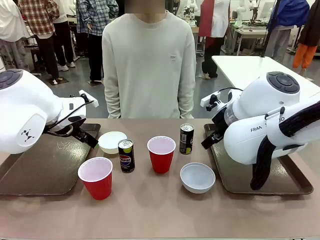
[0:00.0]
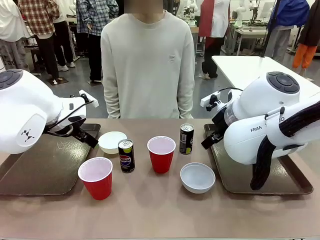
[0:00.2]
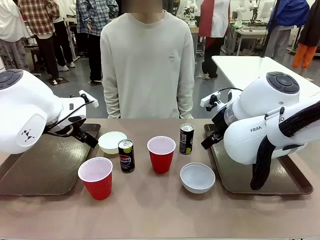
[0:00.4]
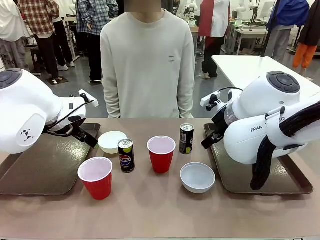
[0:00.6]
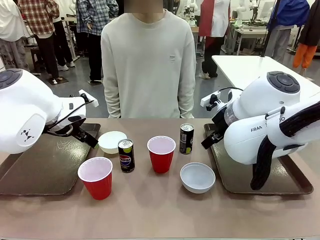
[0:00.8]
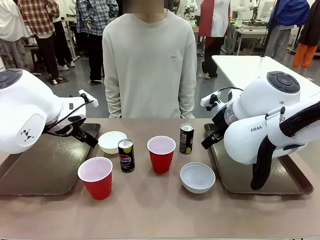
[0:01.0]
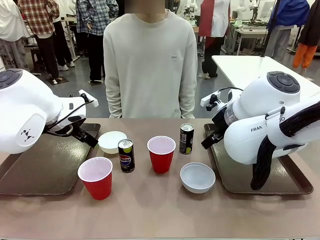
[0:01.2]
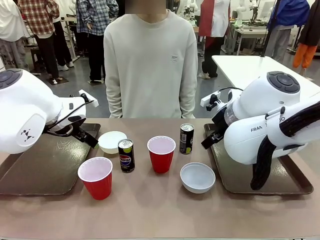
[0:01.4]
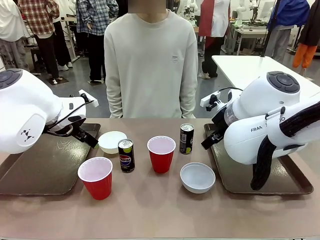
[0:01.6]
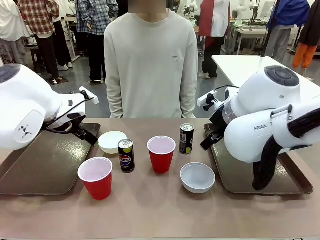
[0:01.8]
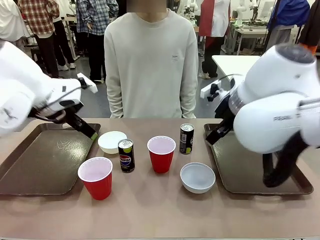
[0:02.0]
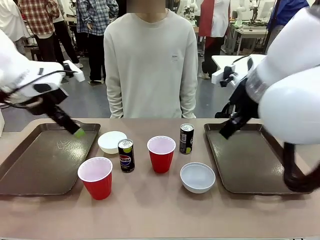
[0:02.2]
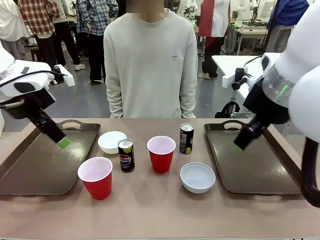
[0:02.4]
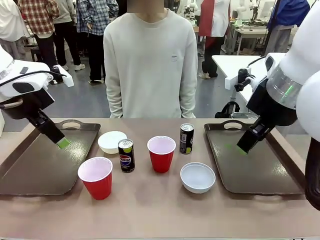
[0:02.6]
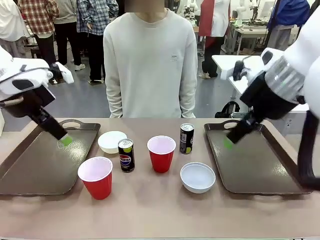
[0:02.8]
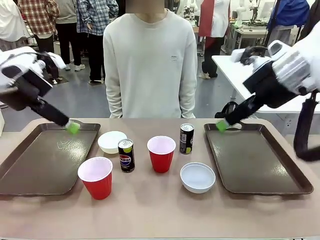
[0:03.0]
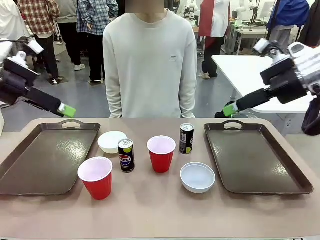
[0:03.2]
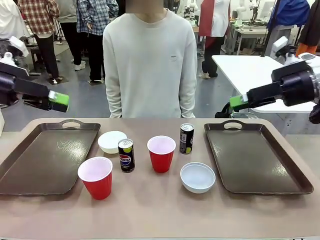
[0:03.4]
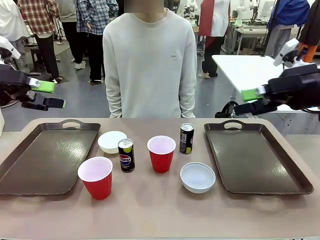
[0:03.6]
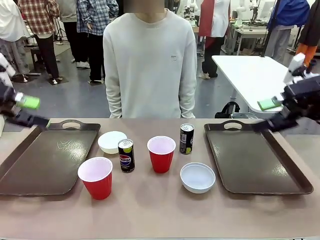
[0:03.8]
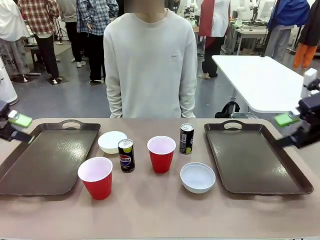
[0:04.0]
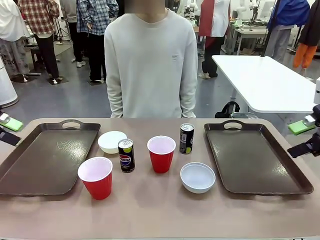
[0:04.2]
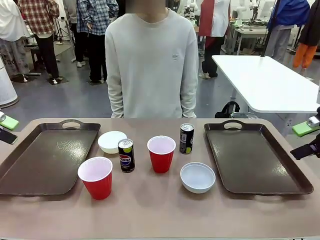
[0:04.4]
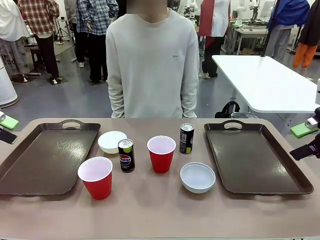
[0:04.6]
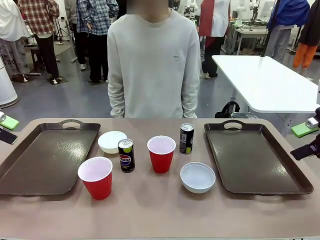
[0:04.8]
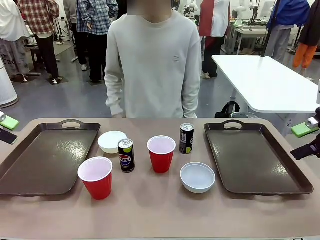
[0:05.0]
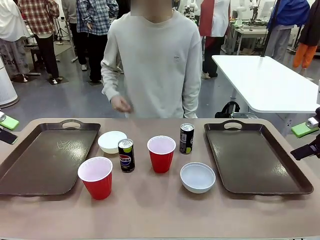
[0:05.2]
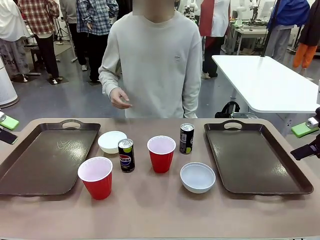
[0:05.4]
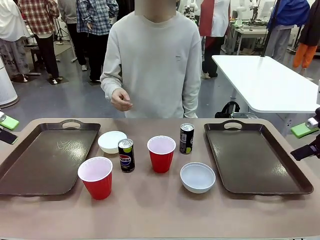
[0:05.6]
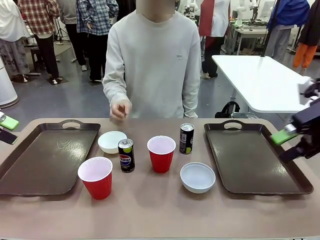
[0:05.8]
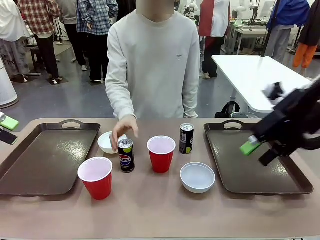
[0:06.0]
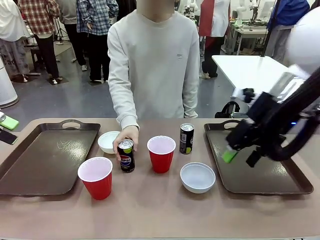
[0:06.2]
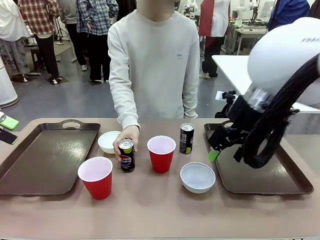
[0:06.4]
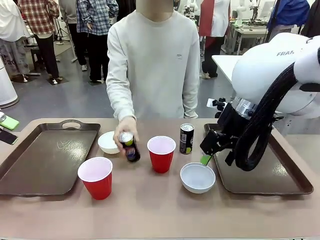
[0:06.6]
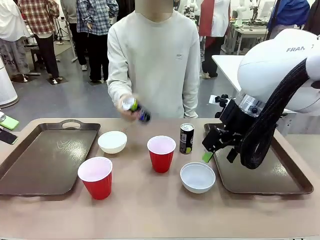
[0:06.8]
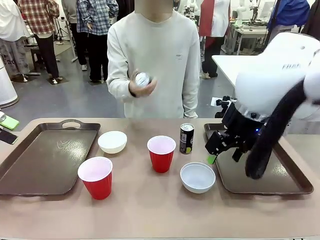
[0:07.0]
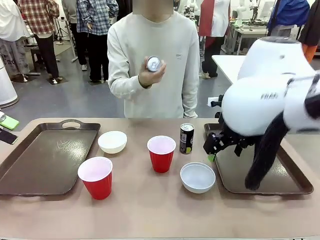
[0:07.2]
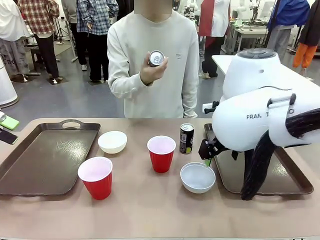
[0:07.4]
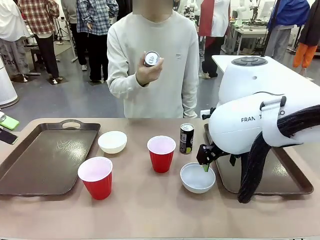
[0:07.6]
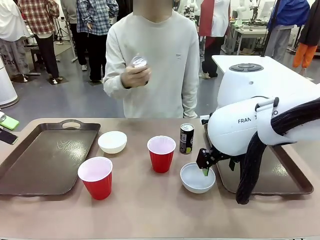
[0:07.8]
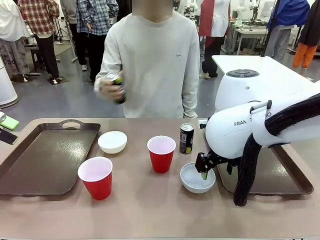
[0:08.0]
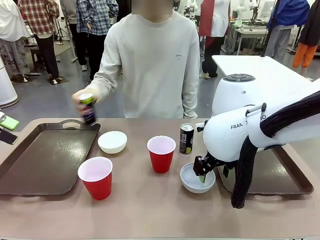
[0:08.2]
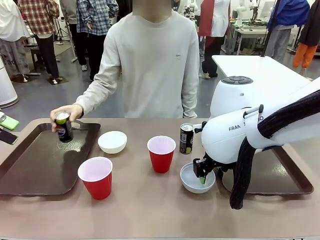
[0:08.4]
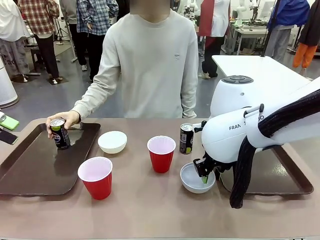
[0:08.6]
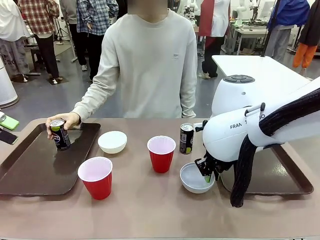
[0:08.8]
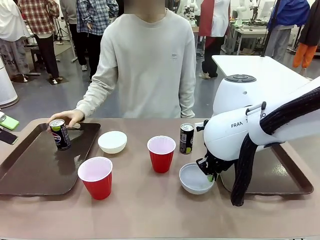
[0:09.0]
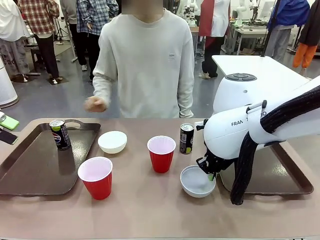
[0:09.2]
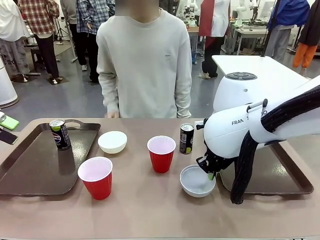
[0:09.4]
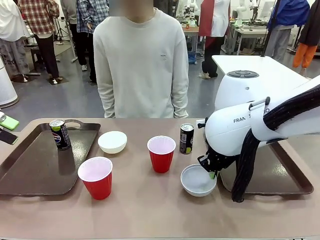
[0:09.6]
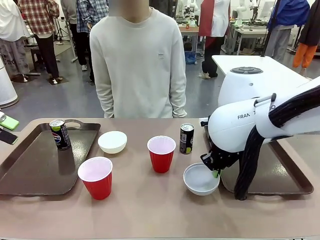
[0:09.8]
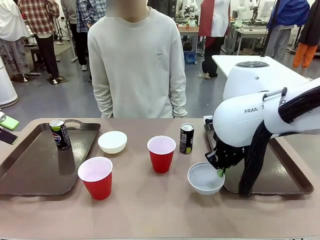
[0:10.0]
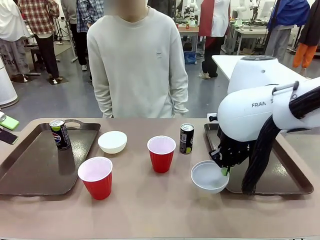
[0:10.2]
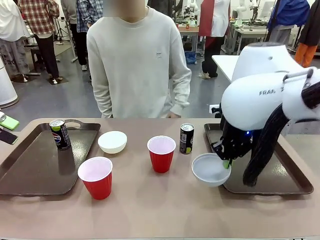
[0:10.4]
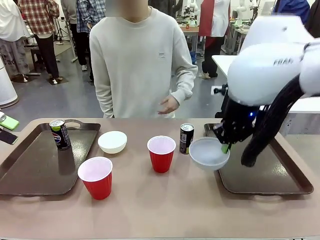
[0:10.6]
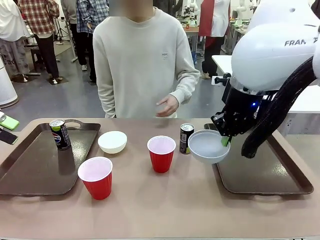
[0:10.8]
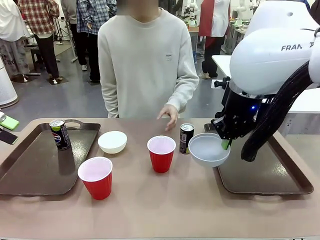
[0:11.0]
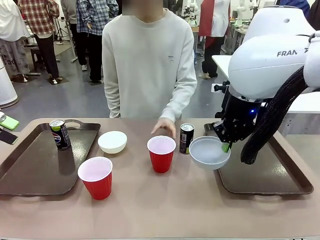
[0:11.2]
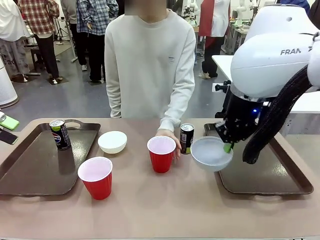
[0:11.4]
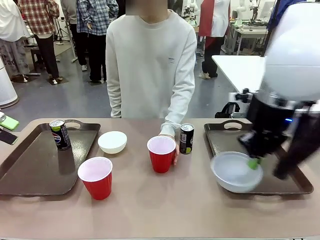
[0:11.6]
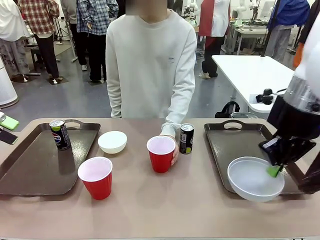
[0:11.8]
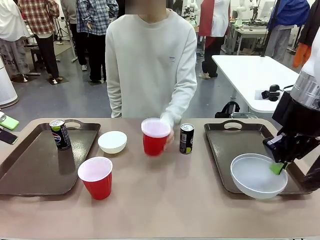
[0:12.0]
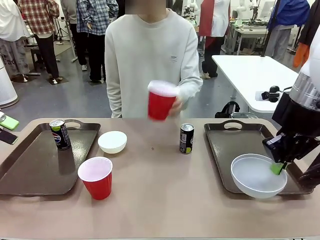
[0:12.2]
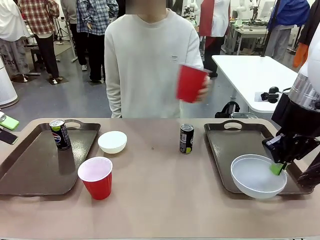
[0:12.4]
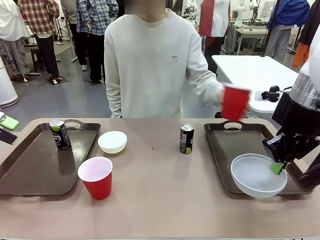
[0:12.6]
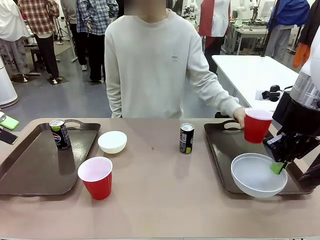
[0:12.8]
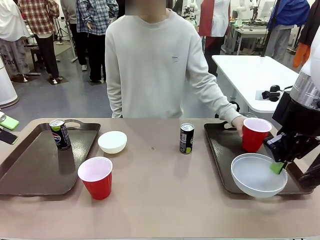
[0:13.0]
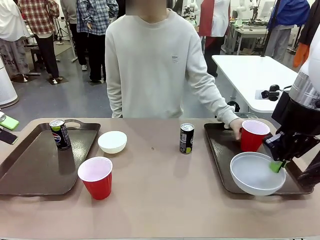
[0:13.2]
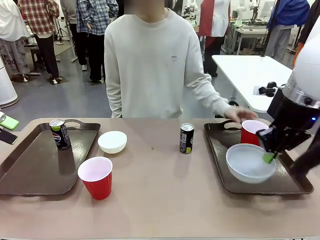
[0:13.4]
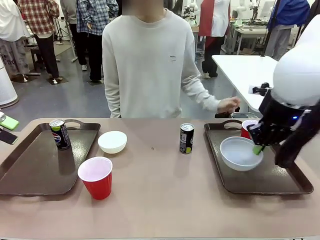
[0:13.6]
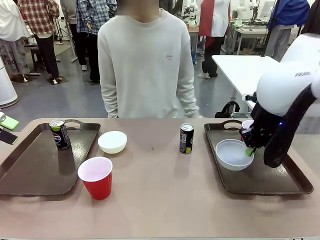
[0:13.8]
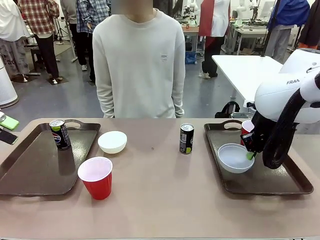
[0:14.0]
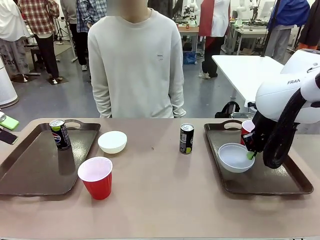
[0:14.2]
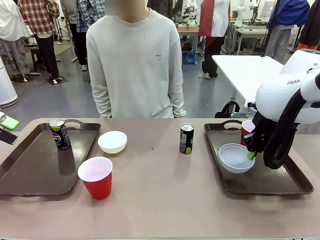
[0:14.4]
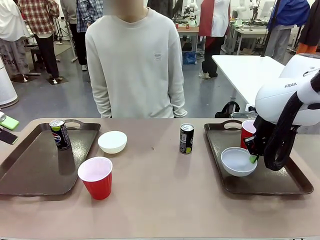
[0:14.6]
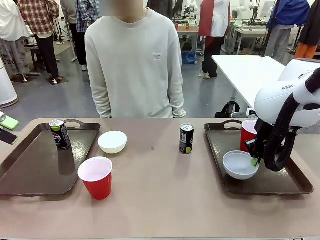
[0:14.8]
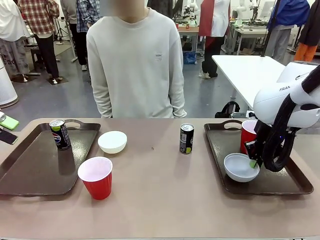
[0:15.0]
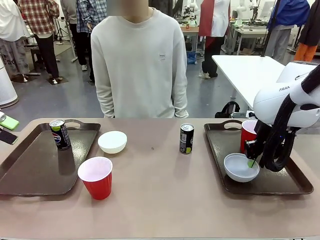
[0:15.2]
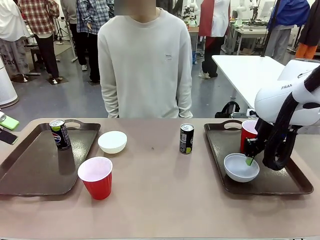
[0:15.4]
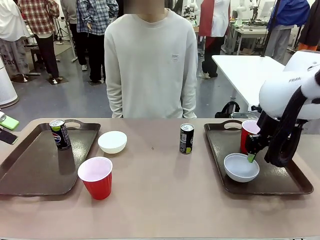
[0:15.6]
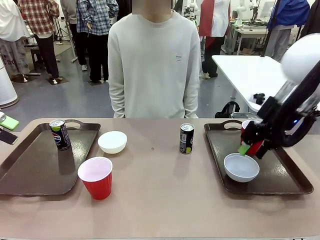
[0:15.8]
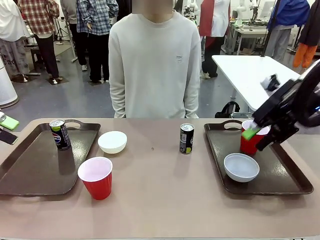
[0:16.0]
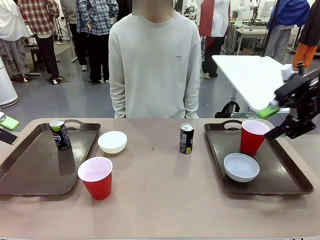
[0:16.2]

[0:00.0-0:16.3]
Task: Prepare tableware on both trays.
Robot: Pick up a Picnic Bowl from the table and place it on a Handle tray.
Person: Pick up a can or cup and place it on the tray.

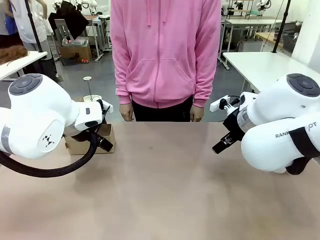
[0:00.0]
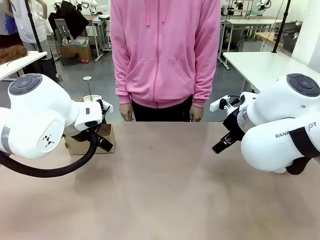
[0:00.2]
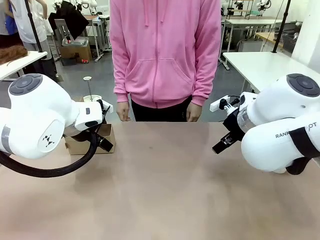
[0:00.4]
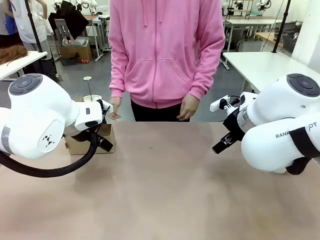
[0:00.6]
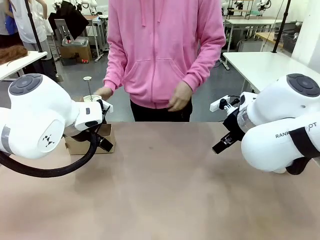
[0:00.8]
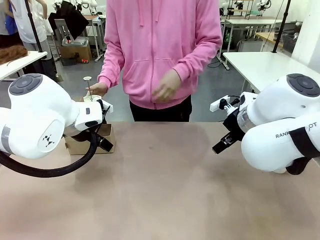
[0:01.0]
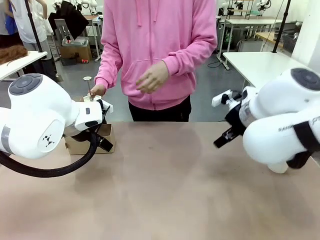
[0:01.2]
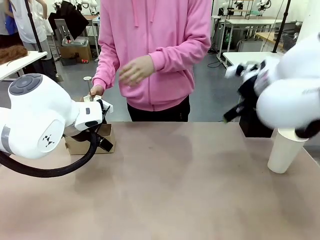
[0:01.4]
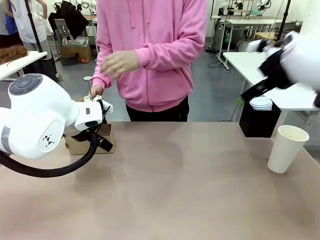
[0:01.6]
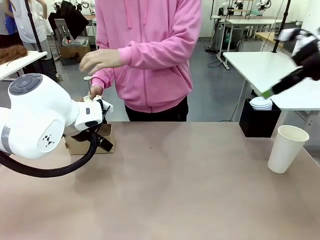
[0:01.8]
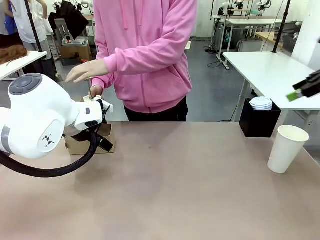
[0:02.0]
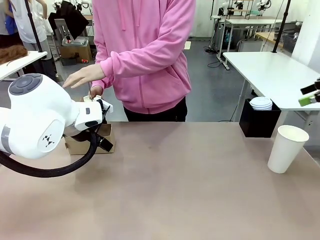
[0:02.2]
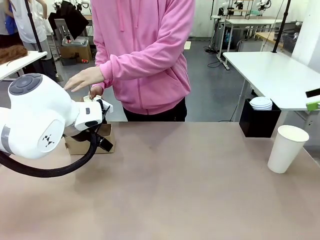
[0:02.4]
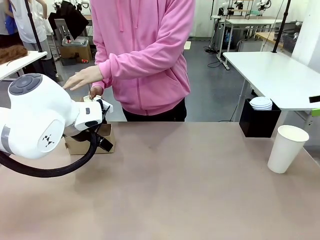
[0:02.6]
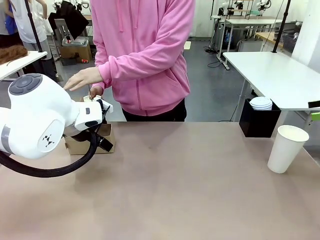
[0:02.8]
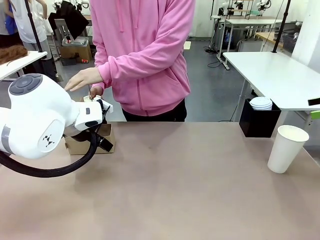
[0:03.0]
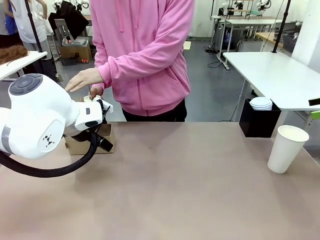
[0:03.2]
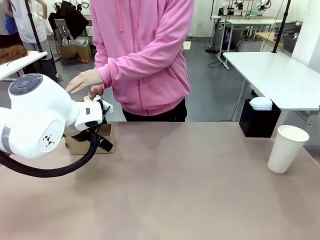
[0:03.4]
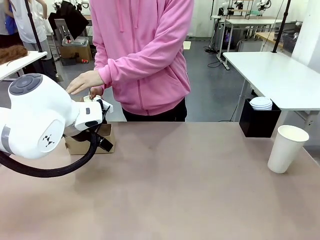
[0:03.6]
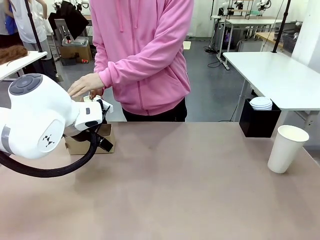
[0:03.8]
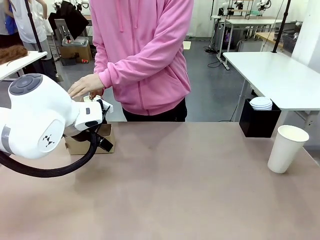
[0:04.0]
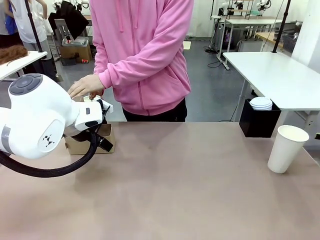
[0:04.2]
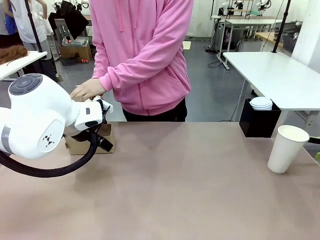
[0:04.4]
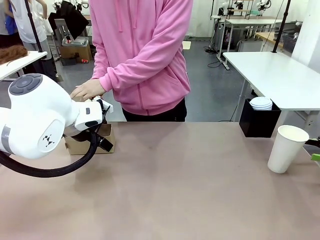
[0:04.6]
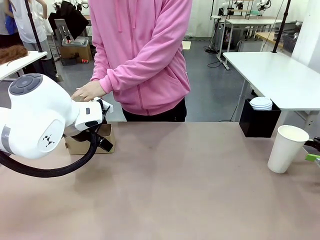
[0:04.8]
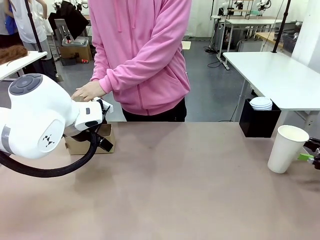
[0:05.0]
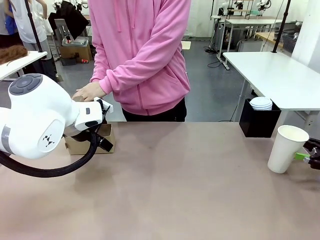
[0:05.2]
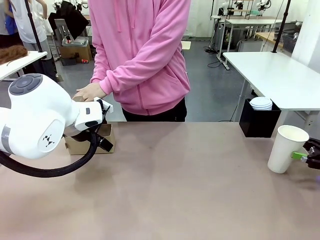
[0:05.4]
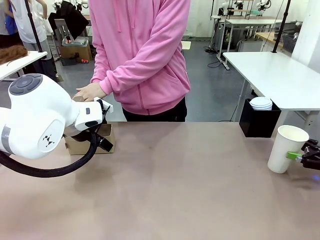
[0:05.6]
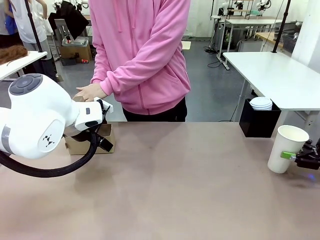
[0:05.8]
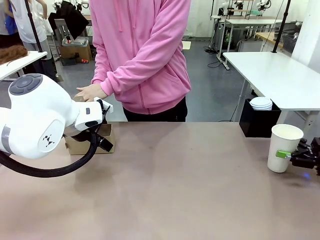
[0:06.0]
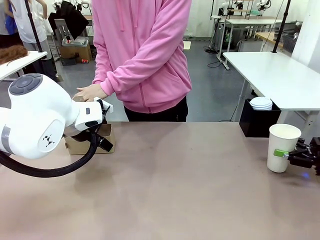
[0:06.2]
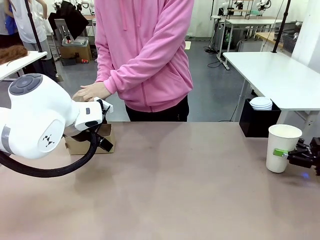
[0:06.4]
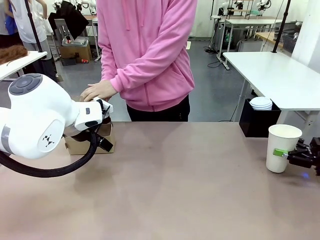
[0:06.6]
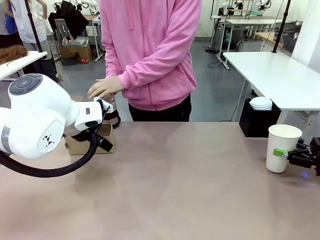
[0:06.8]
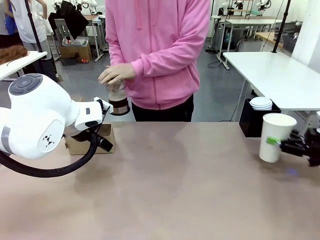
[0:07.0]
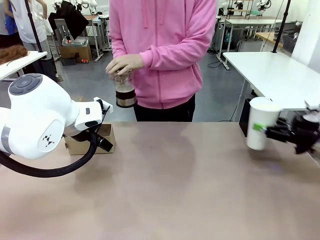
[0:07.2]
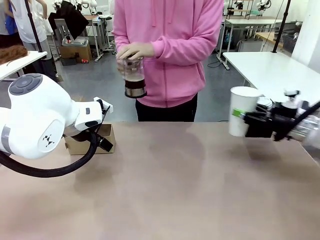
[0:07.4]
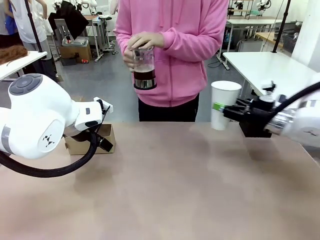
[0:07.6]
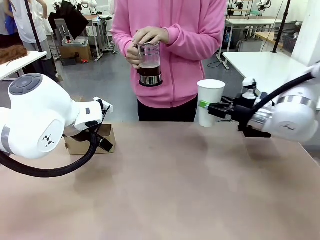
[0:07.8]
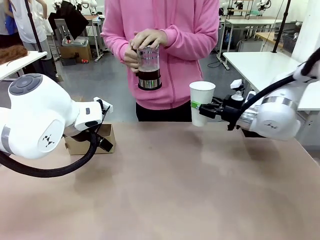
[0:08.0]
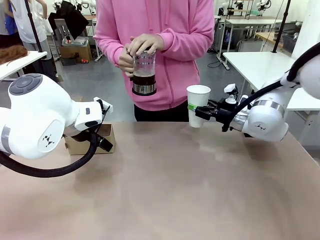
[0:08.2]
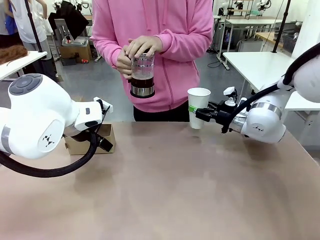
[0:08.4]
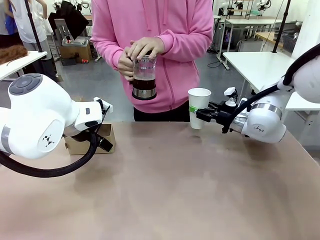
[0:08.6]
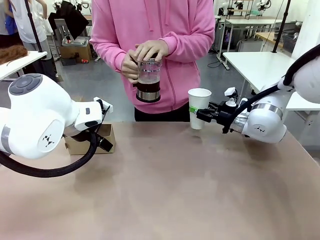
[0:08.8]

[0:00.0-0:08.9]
Task: Pour a drink into a cup and package it in a carrier.
Robot: Pick up the 600 ml Paper Cup and place it in the middle top area of the table.
Person: Press and pick up the Filter Brewing.
